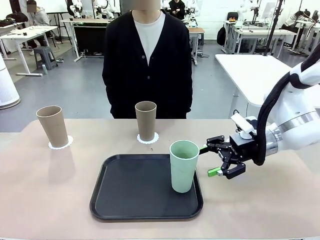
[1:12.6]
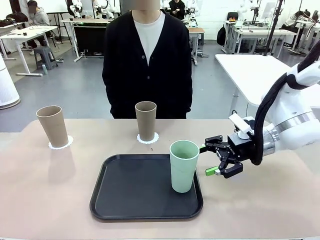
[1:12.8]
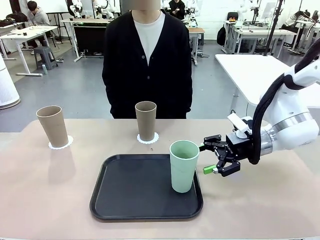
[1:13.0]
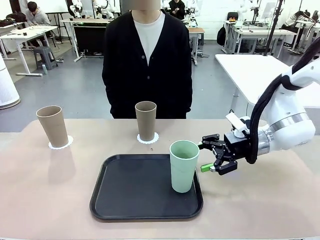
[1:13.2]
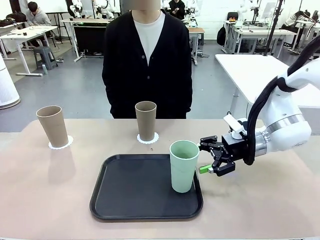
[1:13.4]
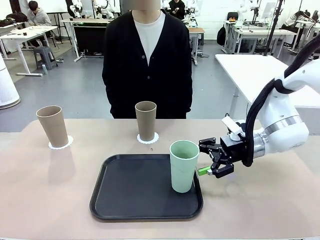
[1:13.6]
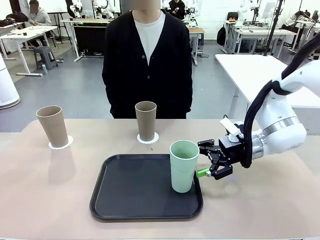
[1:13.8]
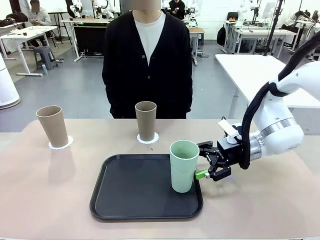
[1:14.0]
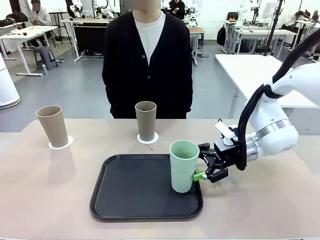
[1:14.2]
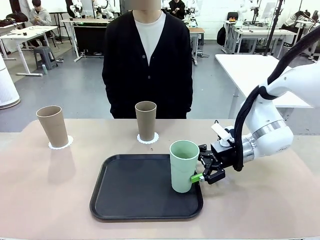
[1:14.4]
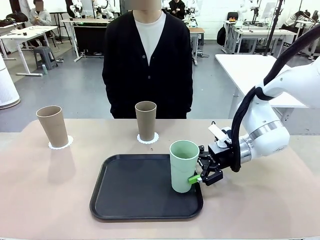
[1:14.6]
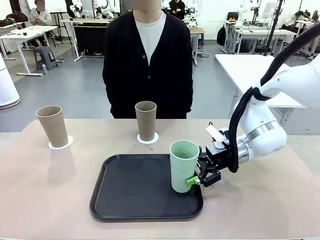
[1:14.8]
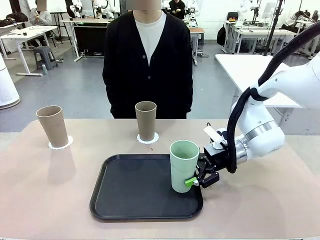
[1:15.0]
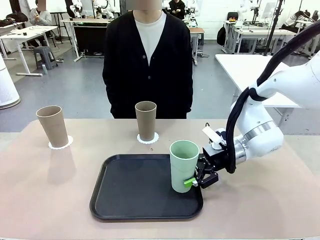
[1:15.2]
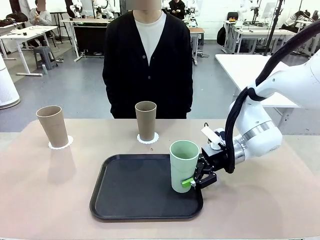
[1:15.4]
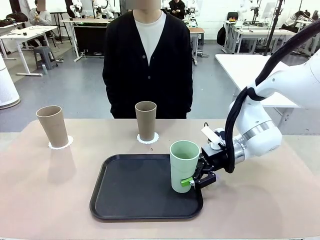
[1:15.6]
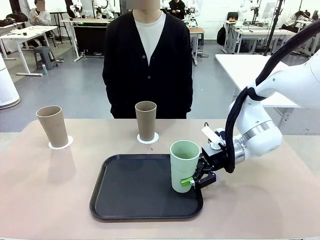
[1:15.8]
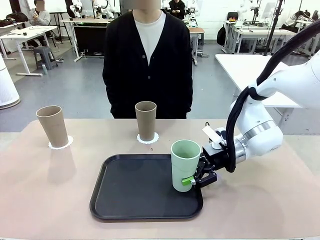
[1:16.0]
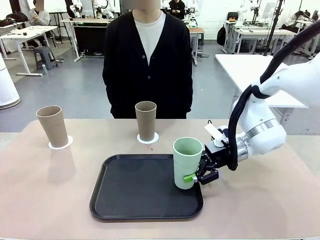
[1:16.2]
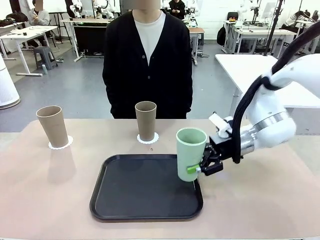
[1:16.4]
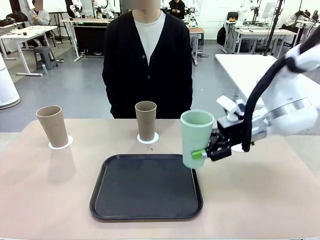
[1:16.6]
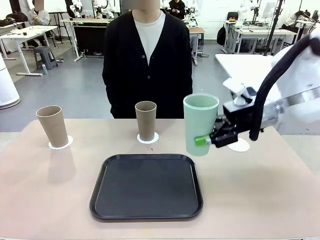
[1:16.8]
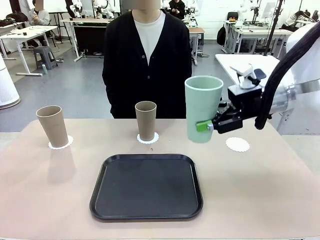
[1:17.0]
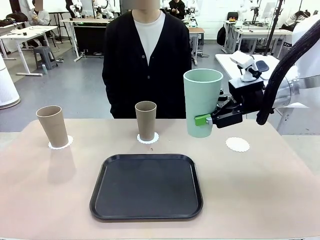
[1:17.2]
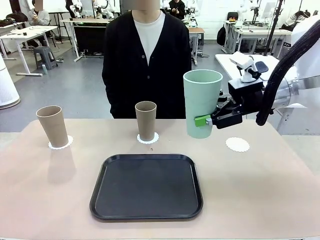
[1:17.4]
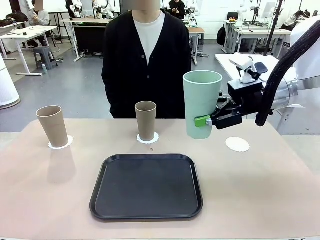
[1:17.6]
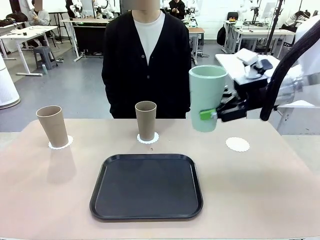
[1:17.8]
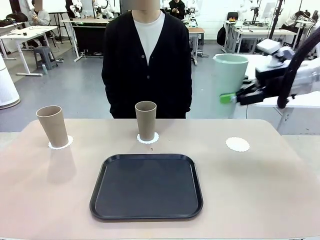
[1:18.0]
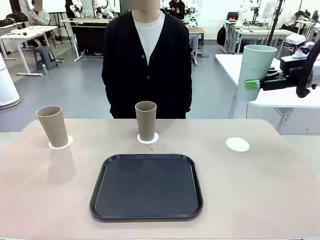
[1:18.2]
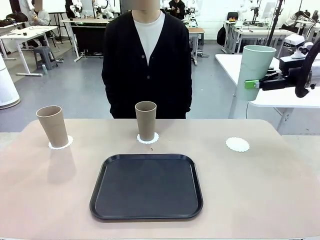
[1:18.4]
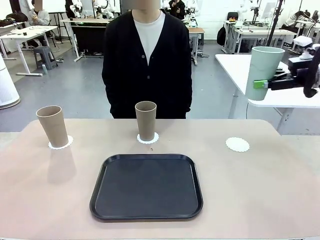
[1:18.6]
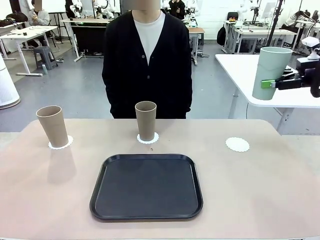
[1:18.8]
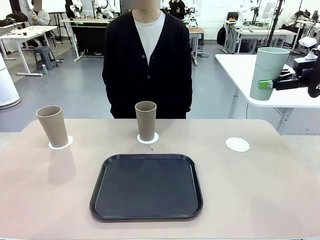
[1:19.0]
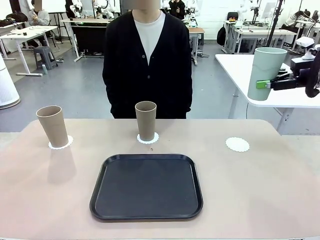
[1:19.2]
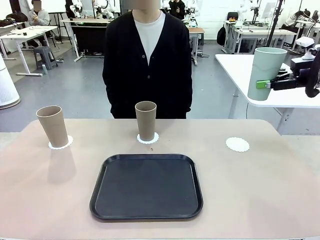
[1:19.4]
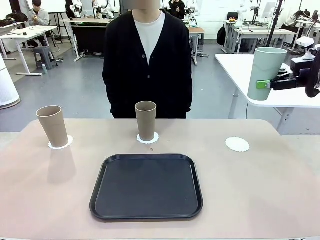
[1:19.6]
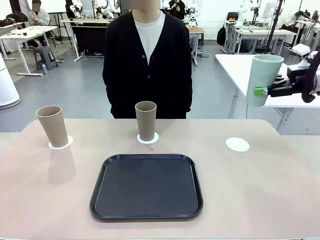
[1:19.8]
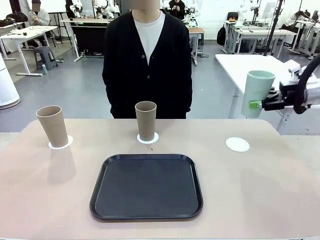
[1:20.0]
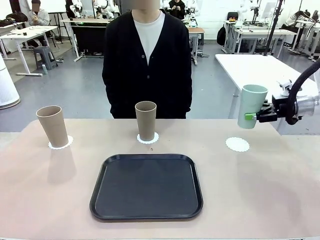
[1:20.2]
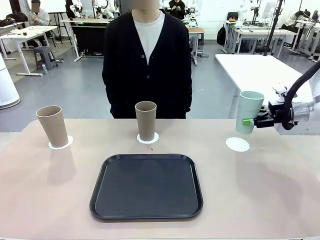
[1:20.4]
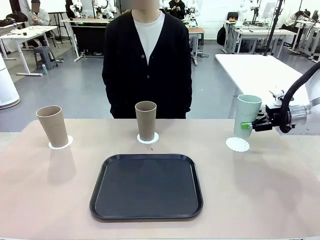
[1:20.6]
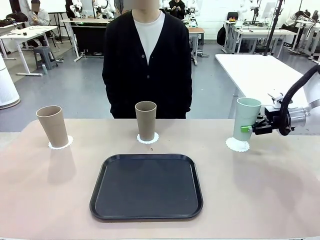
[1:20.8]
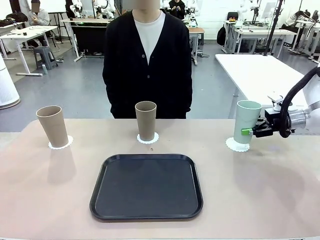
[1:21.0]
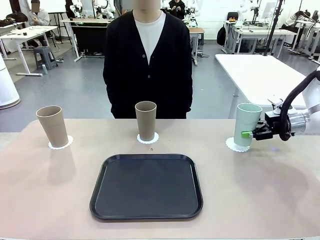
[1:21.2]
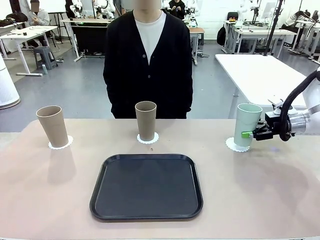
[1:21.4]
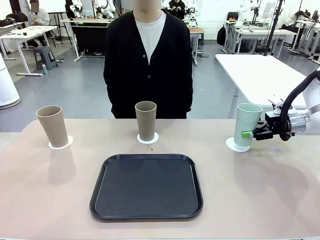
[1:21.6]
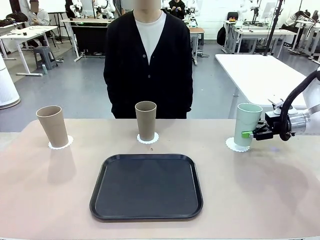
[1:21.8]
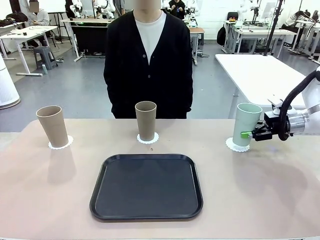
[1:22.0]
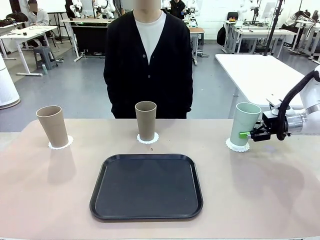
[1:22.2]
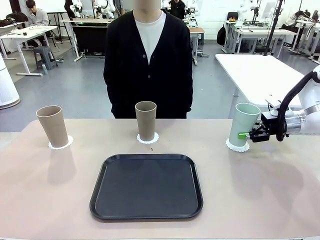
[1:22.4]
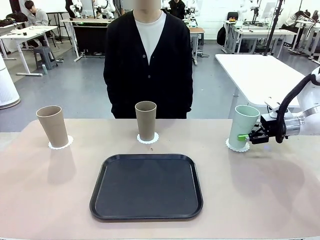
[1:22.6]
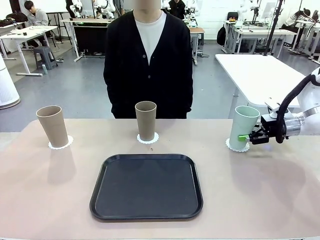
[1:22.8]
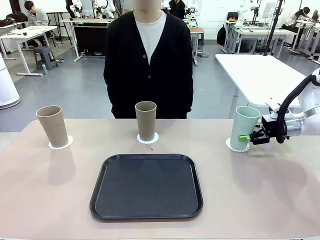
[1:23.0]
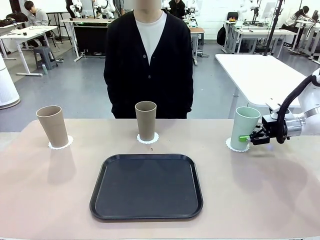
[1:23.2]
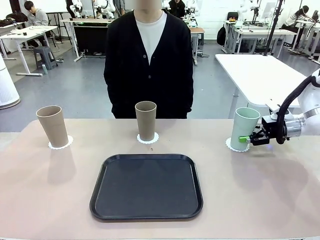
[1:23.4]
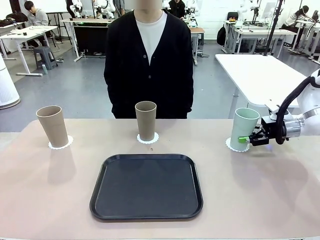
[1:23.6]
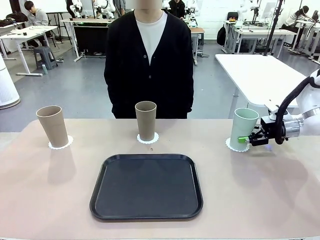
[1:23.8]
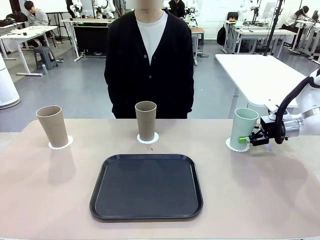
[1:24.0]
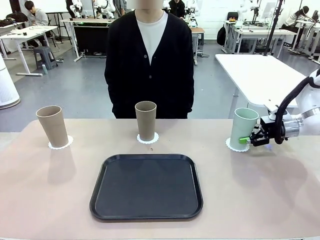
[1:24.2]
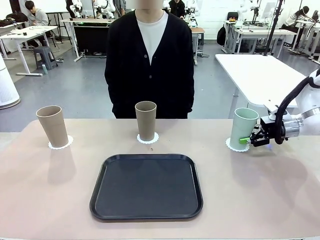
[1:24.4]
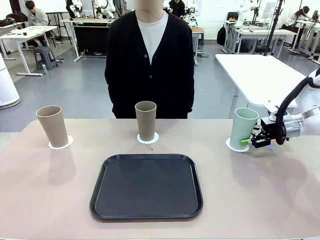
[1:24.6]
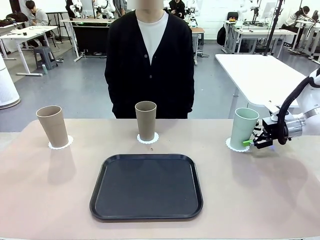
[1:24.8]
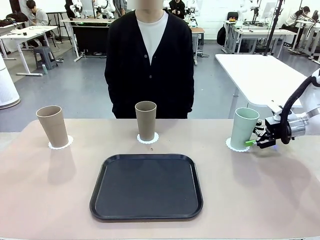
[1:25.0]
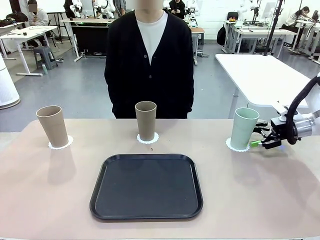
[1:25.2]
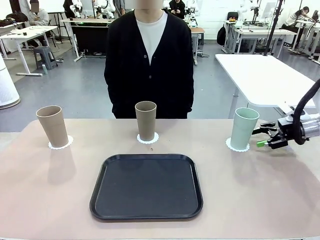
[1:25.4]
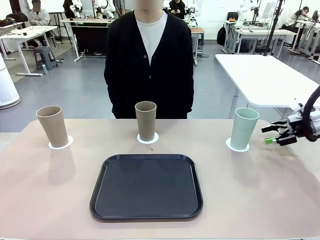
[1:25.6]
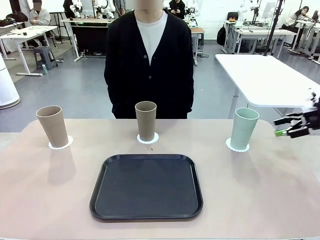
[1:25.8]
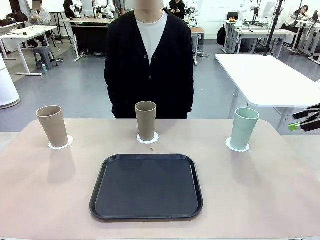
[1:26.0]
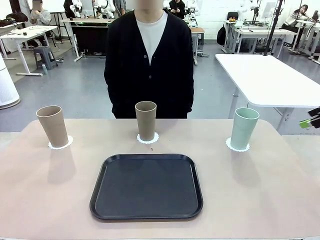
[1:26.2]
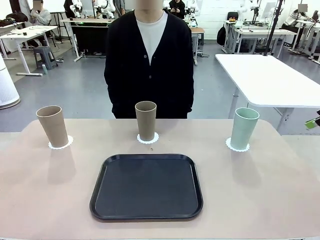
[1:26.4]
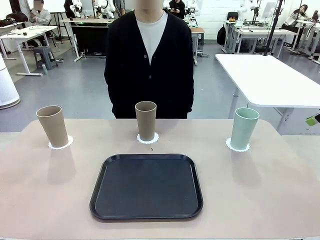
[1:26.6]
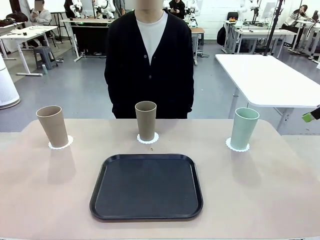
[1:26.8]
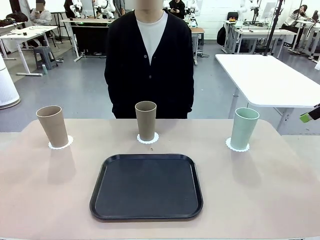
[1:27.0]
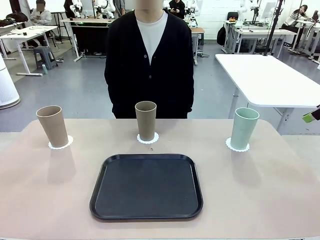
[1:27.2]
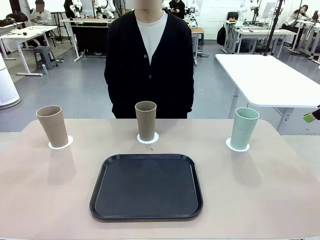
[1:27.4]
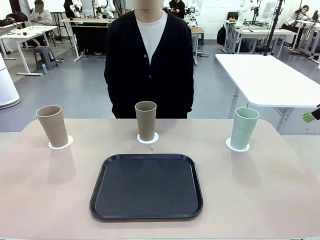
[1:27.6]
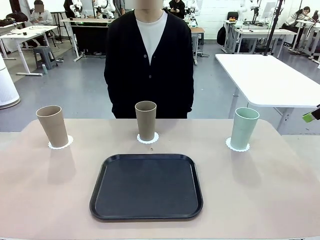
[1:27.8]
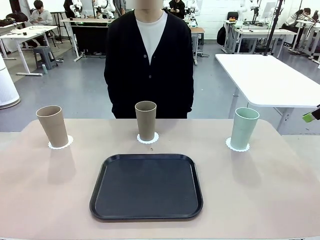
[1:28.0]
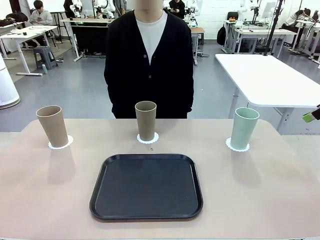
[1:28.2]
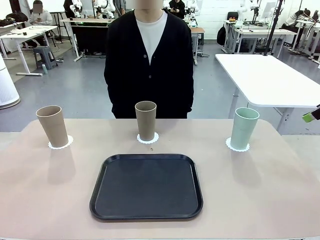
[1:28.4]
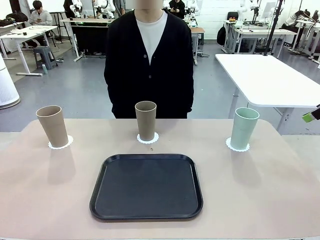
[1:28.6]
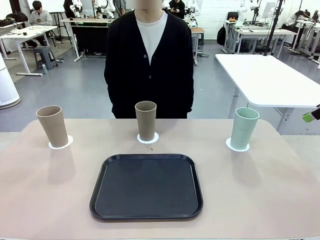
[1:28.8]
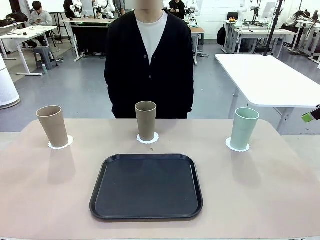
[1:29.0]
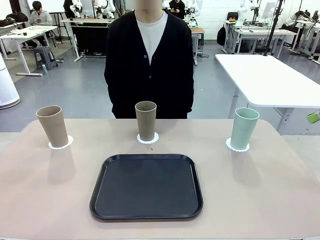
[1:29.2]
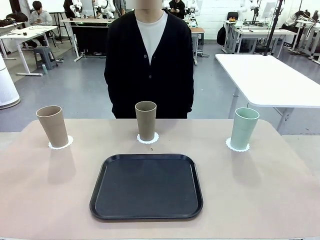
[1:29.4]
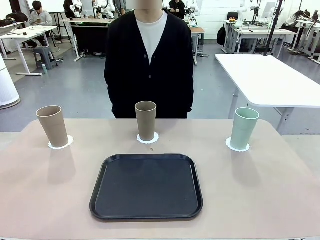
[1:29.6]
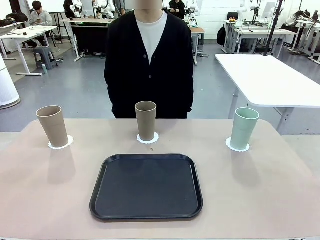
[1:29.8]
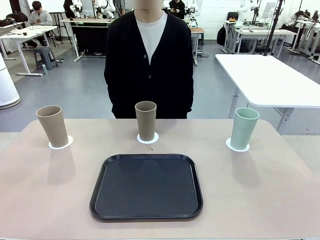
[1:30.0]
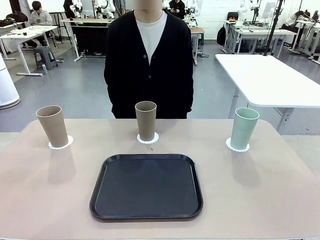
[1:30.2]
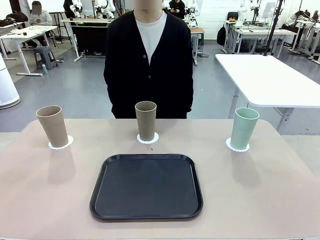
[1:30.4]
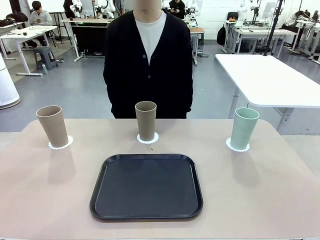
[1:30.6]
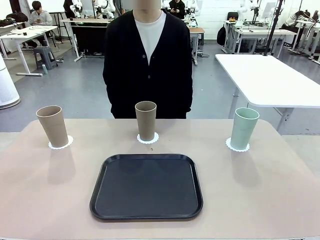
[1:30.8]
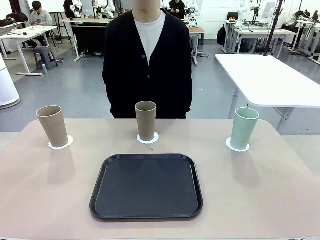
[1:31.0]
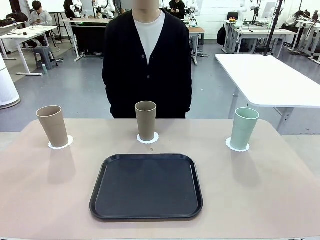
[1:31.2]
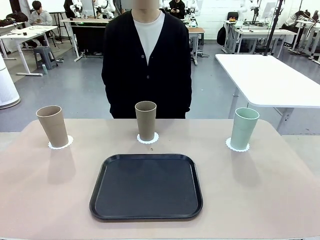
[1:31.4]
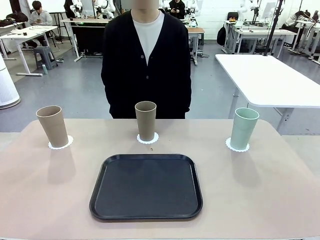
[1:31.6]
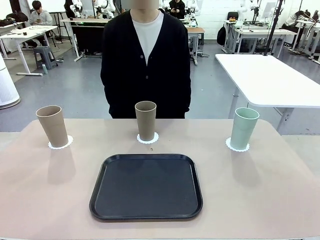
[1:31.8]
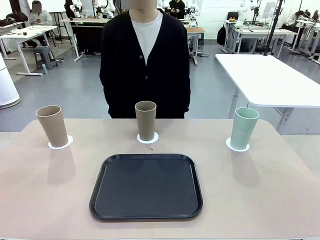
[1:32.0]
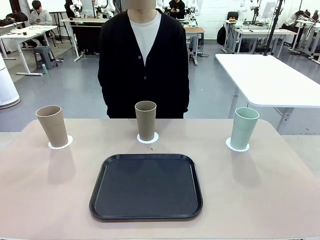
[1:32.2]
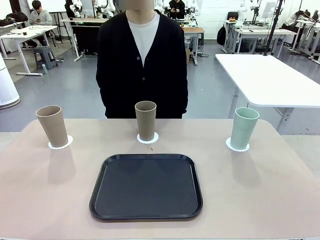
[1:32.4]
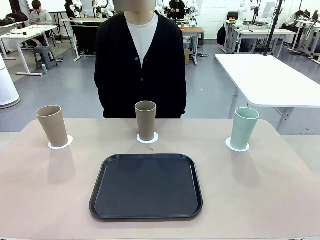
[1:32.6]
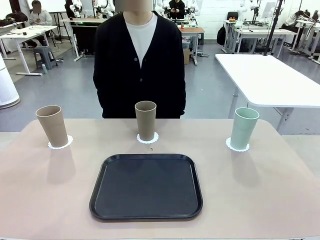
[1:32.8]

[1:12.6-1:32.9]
Task: Place coasters on the table and set cups on them.
Robot: Take one Reusable plastic cup from the Flat Tray and place it on a coaster set by the human.
